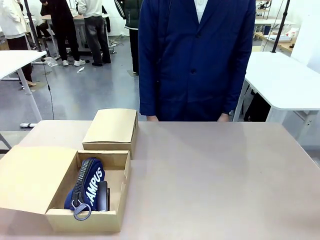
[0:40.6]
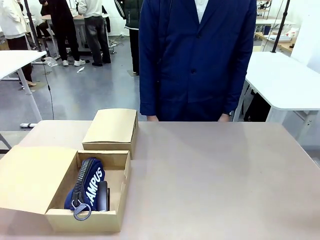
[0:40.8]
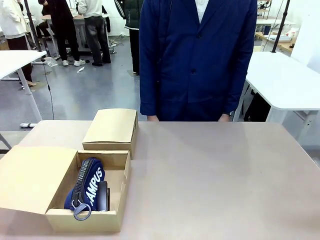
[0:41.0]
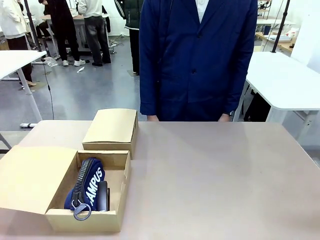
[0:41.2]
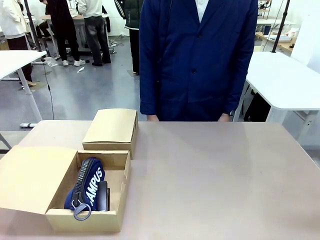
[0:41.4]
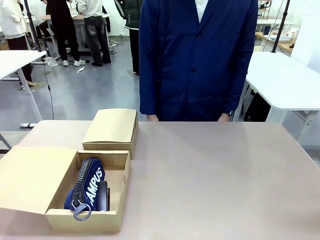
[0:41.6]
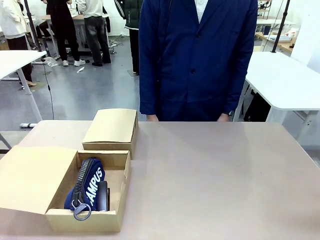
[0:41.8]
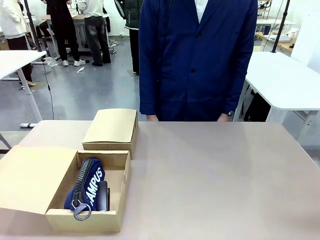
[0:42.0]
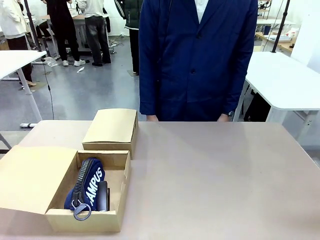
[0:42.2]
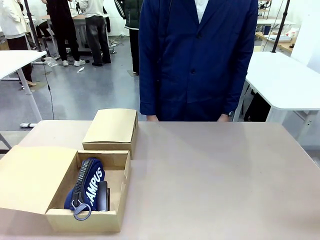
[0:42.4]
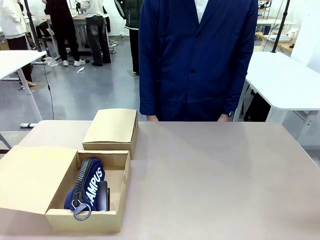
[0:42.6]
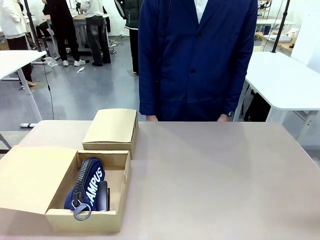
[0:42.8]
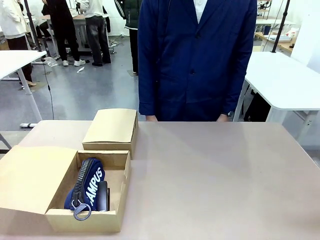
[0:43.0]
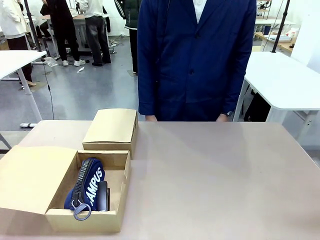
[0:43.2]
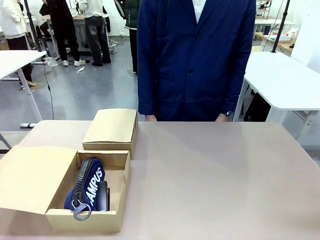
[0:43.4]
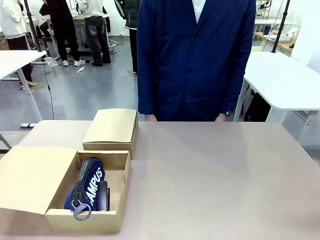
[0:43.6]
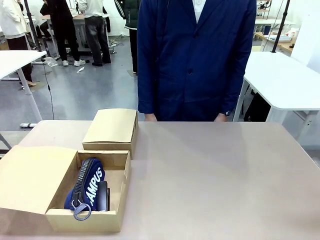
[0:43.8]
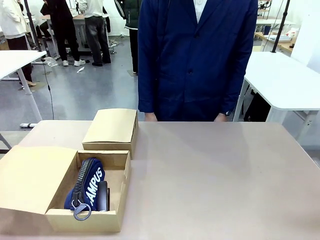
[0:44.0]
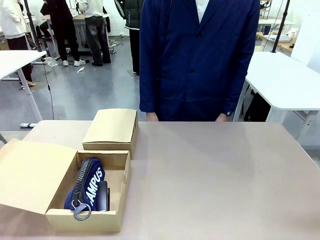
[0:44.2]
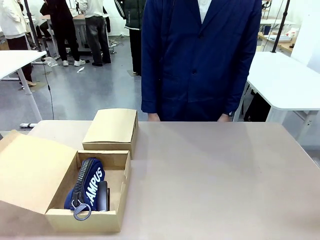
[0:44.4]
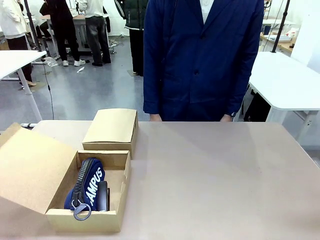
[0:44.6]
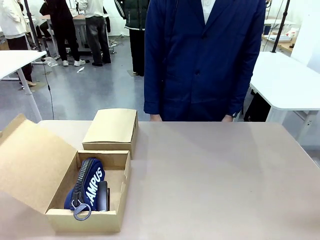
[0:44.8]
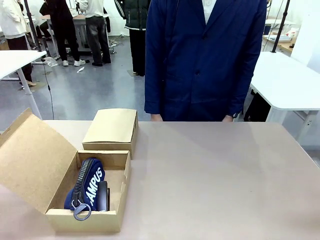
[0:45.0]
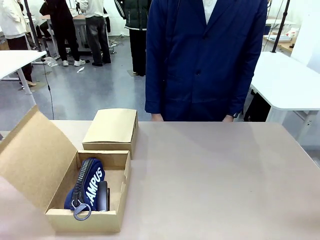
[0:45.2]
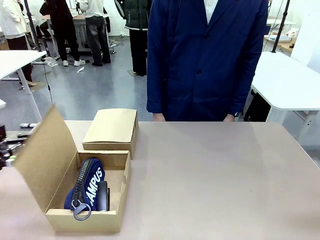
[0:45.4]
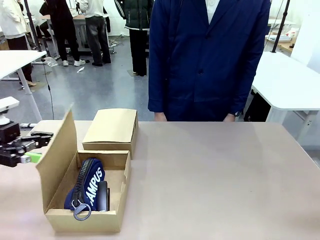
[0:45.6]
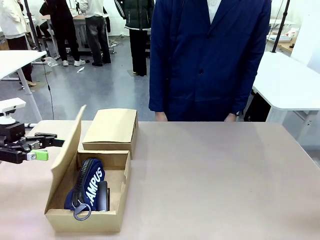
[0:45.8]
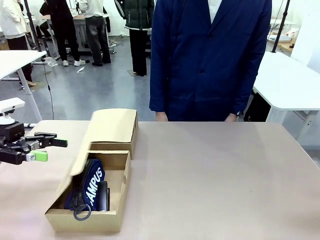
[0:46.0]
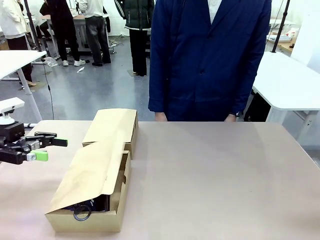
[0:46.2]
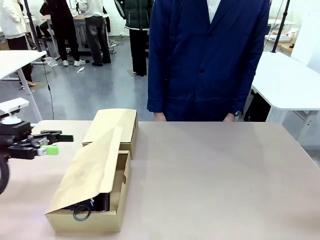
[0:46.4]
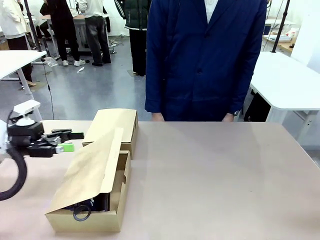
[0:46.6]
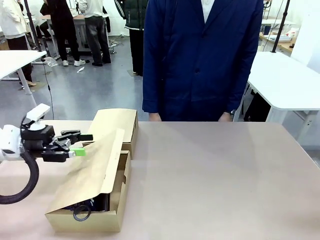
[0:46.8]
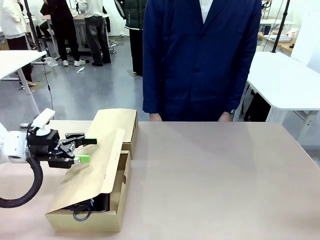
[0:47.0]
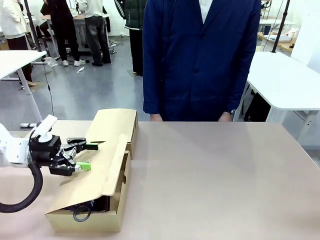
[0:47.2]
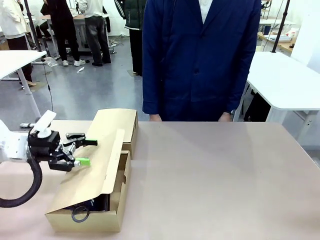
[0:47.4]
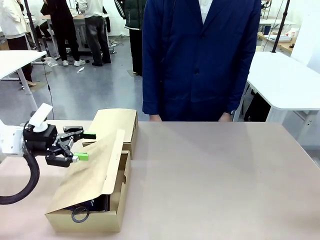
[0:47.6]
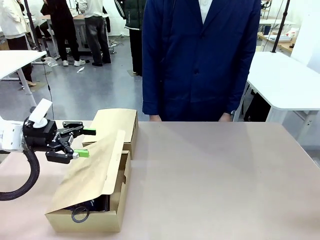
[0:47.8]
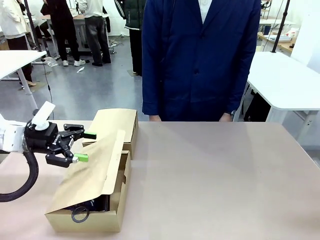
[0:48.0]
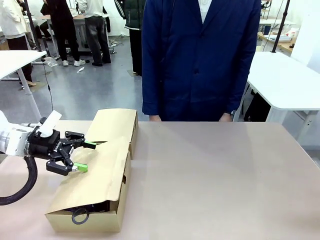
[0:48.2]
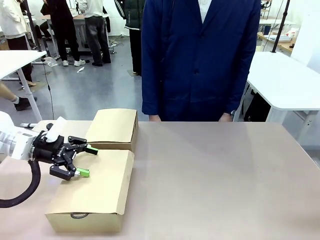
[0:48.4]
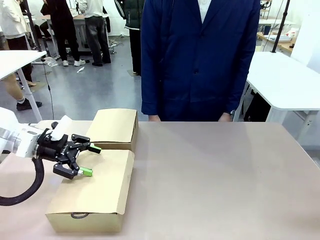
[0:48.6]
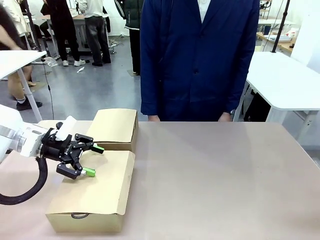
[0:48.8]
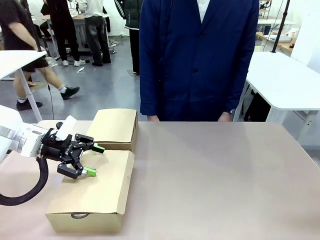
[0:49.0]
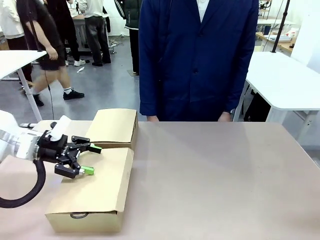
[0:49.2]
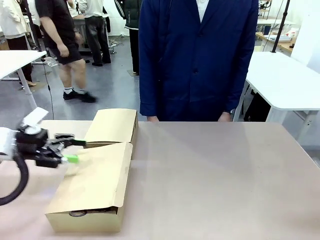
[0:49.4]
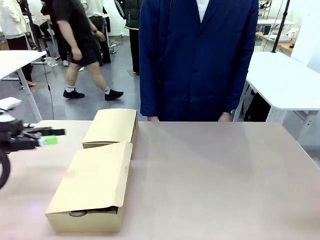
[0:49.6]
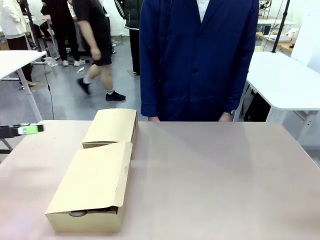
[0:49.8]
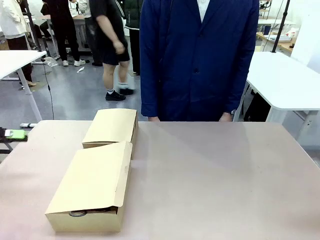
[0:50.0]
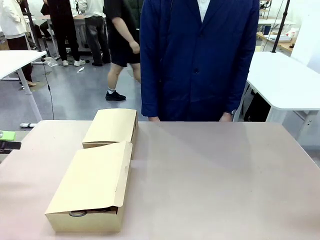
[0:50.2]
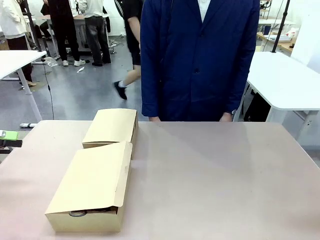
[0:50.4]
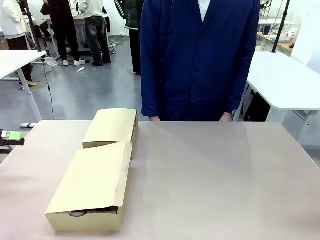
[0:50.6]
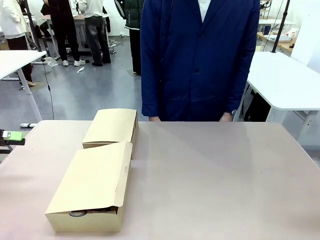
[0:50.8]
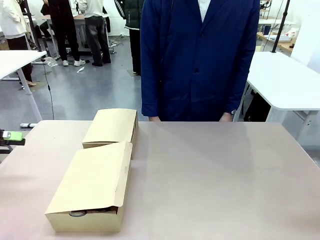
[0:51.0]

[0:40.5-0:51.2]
Task: Place items inside the box.
Robot: Close the lid of the Mailer Box closest to the robot.

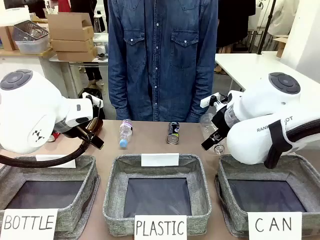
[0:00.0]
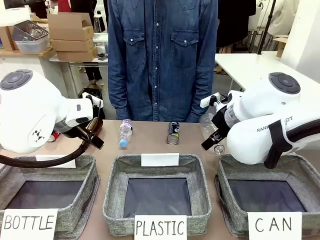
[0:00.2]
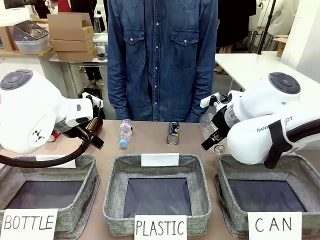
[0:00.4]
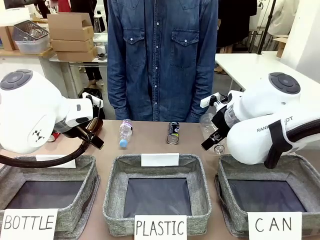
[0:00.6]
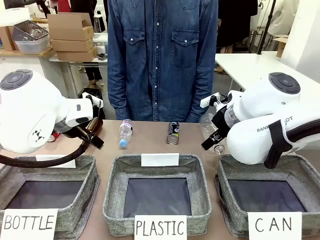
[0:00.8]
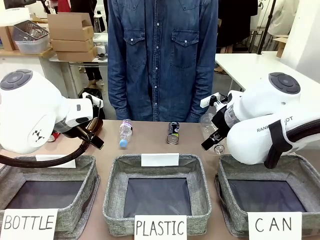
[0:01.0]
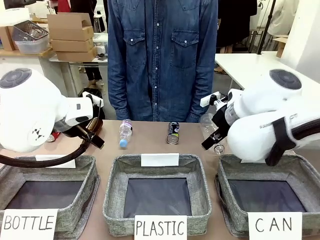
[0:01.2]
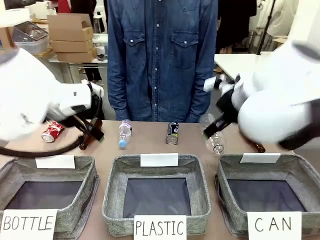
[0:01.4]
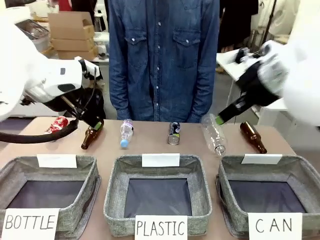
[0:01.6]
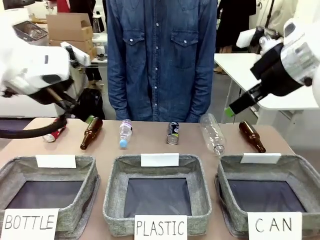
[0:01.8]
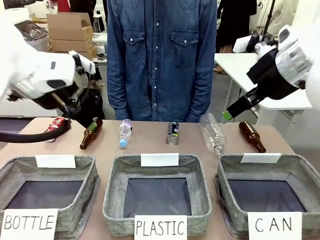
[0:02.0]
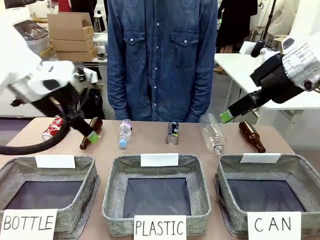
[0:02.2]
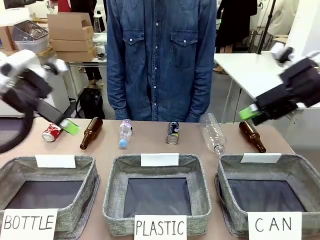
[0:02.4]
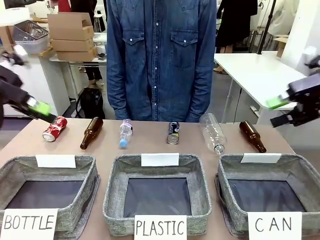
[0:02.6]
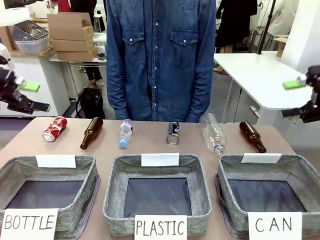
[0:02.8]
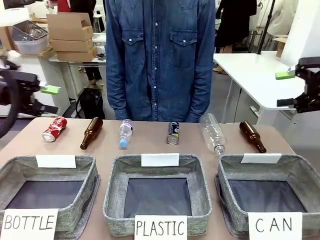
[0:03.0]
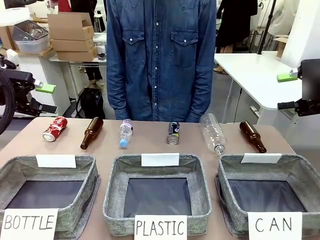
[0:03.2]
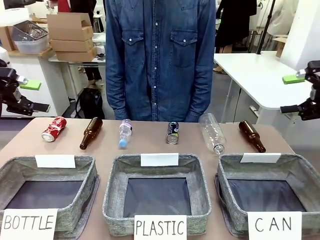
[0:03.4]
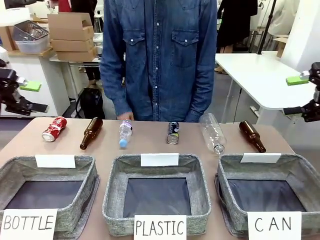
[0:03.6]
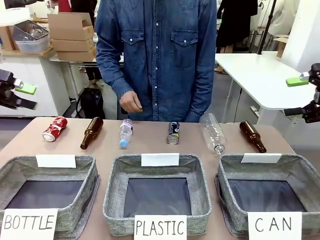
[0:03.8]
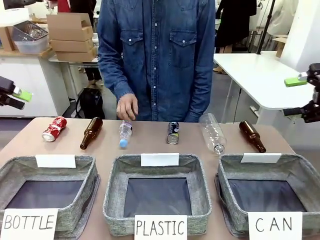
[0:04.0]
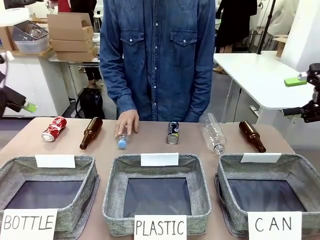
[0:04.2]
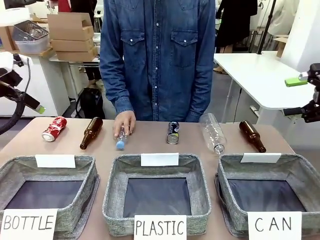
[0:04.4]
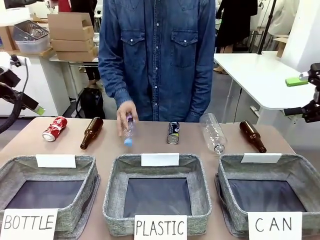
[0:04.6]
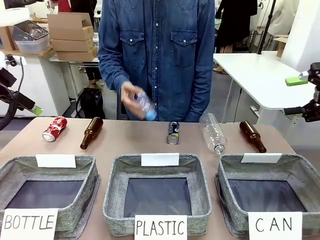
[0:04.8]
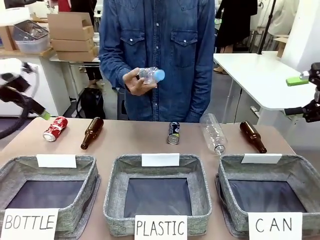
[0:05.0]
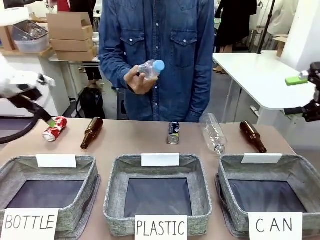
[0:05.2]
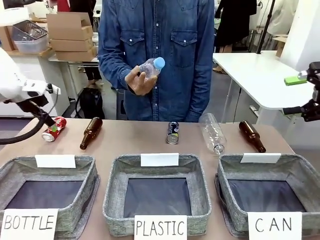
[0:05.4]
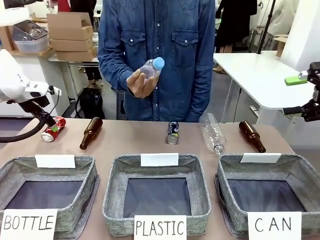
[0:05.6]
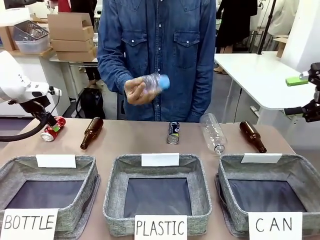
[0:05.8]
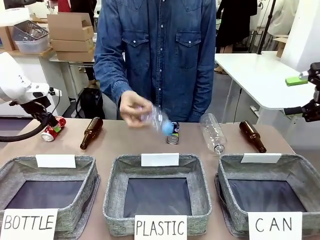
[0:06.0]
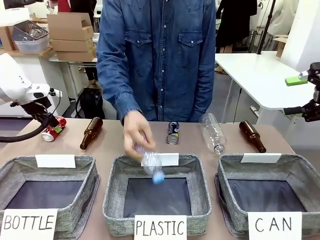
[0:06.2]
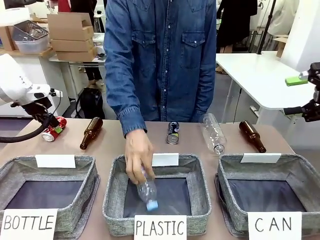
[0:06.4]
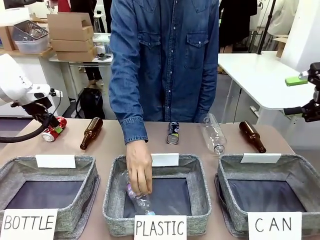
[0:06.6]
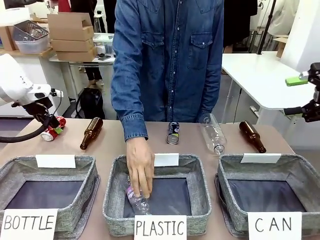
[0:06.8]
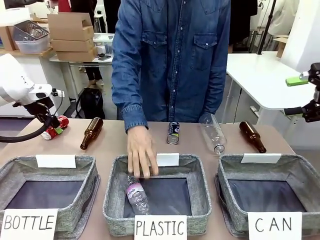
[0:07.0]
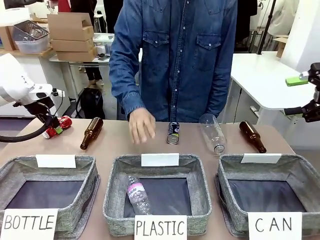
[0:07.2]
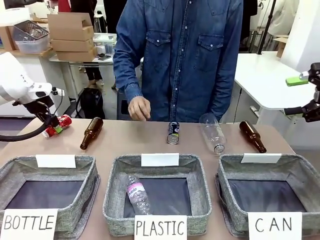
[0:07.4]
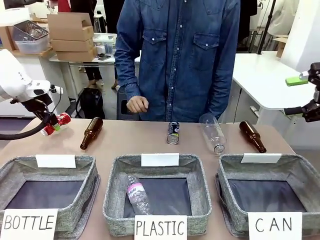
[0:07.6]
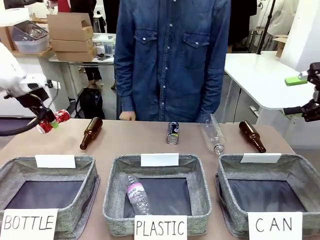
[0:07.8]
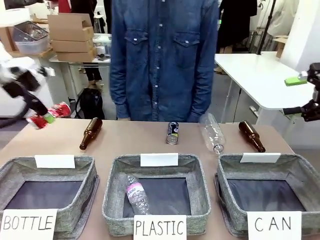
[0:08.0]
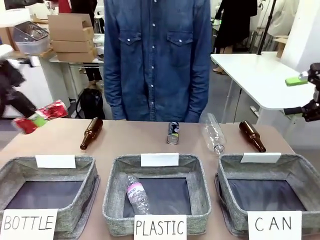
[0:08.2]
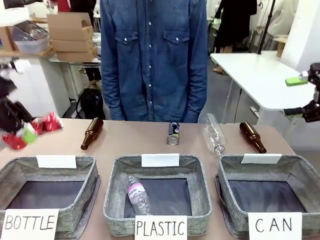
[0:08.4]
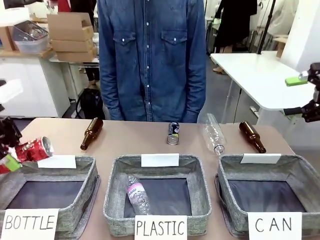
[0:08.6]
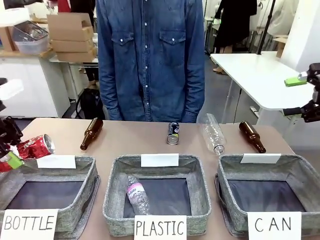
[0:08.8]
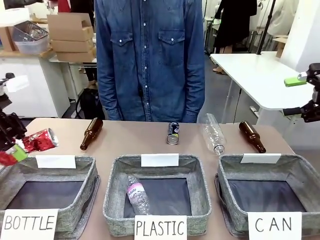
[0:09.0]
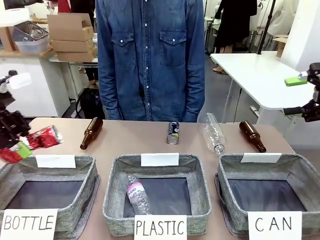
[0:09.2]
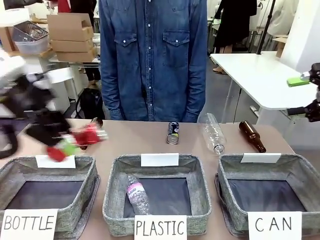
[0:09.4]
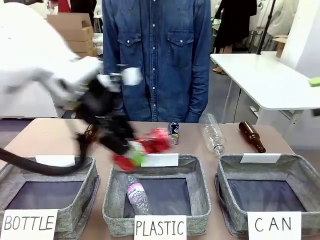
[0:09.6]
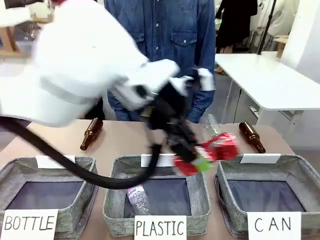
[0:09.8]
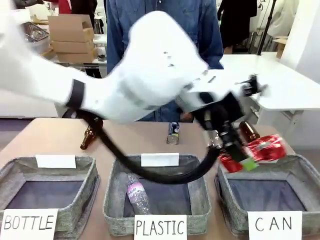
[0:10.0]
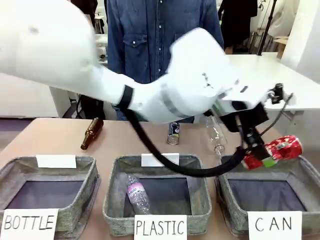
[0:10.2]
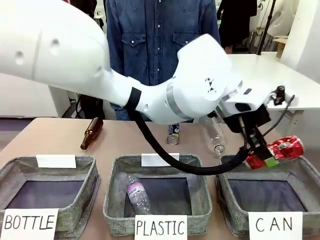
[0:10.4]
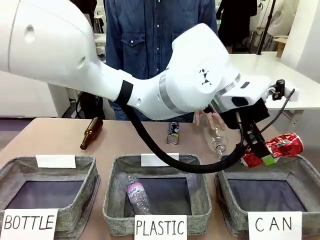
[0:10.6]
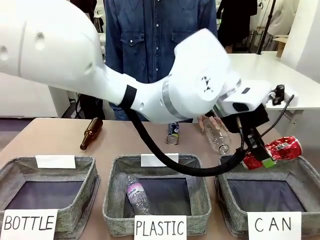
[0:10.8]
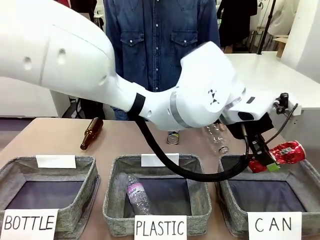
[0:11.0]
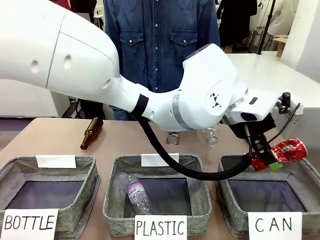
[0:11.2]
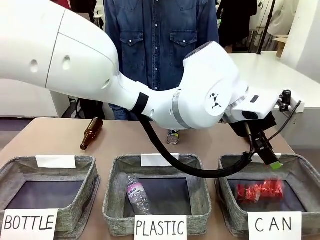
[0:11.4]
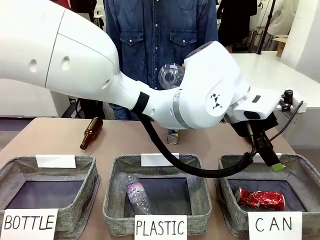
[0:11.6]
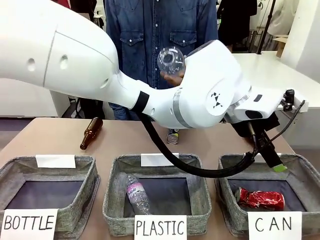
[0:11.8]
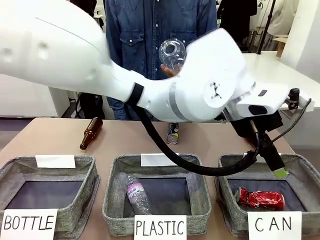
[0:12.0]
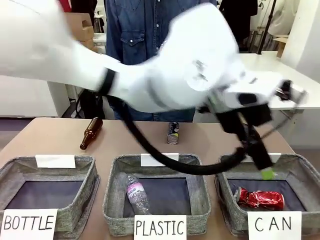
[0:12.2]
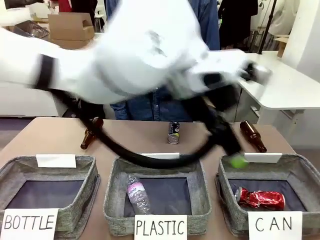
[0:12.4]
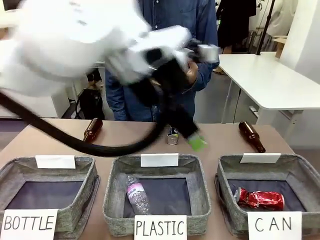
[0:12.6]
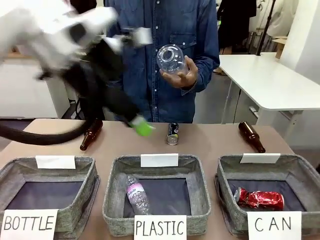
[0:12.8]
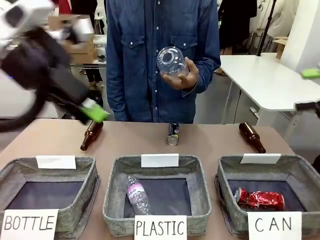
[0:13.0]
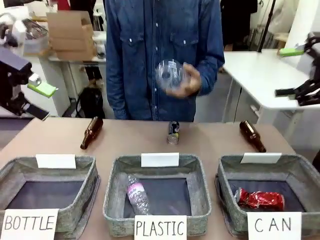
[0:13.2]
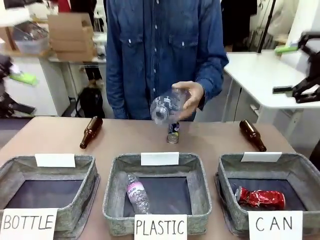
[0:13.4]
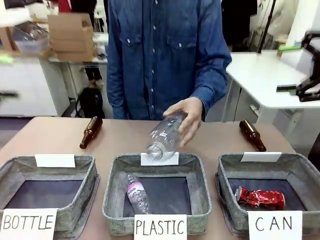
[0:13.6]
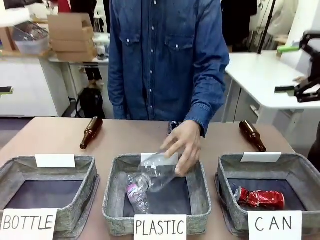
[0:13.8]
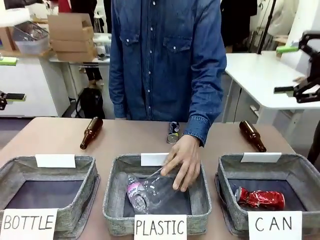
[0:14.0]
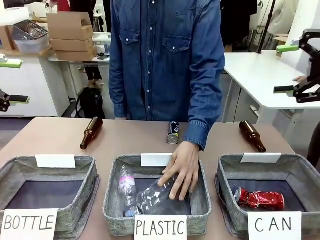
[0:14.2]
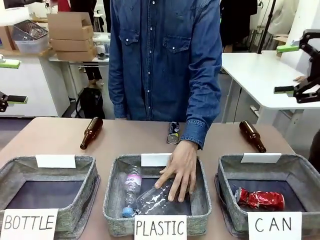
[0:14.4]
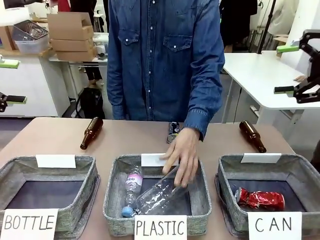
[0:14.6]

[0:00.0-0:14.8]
Task: Sort the can waste into the basket.
Robot: Pick up the can waste from the table and place it in the right Fabric basket.
